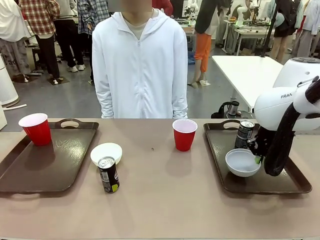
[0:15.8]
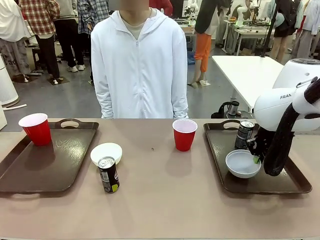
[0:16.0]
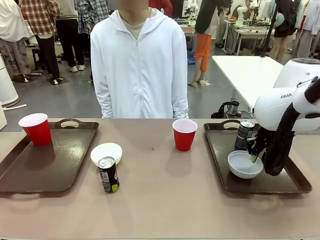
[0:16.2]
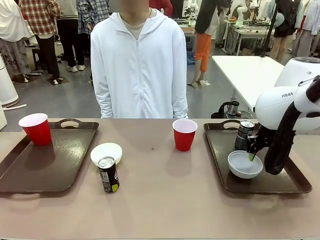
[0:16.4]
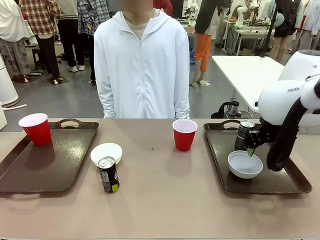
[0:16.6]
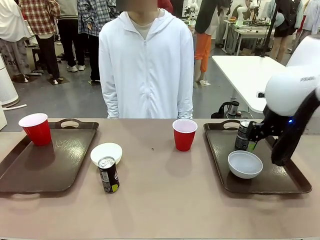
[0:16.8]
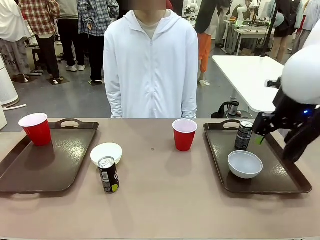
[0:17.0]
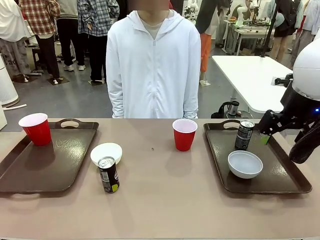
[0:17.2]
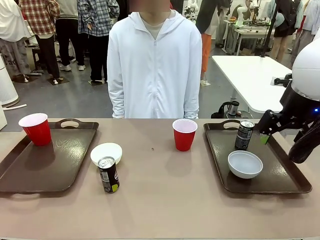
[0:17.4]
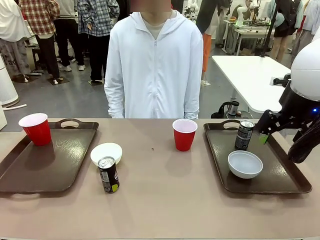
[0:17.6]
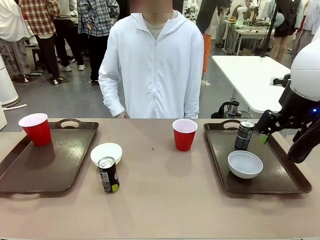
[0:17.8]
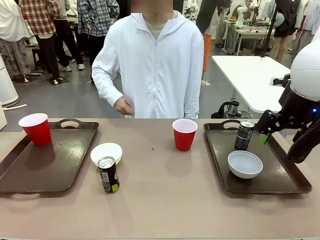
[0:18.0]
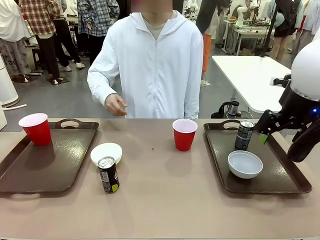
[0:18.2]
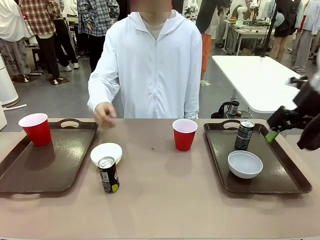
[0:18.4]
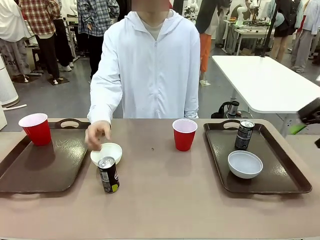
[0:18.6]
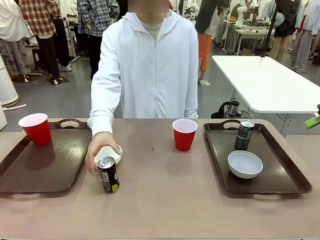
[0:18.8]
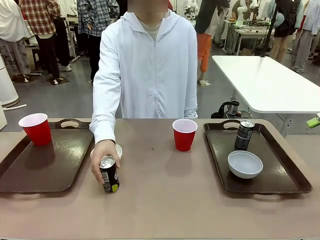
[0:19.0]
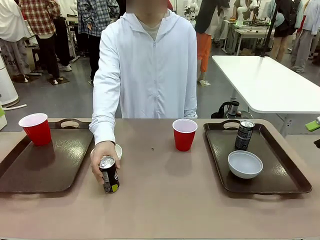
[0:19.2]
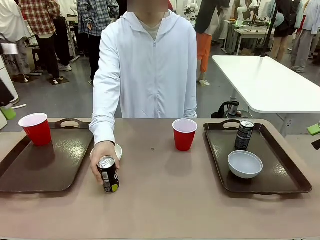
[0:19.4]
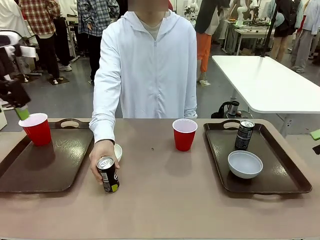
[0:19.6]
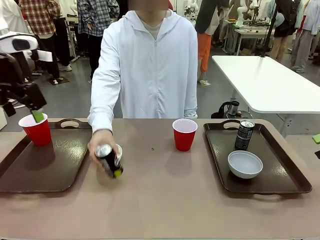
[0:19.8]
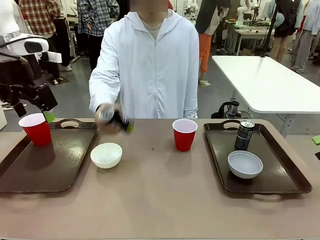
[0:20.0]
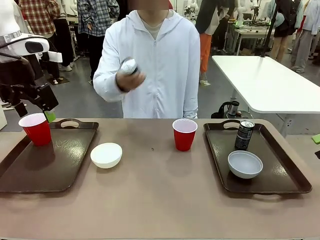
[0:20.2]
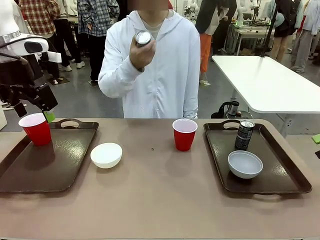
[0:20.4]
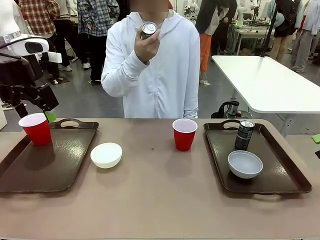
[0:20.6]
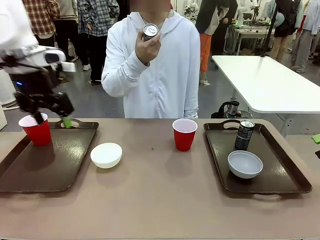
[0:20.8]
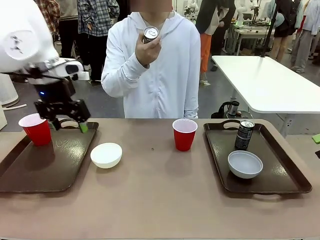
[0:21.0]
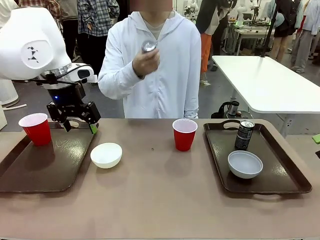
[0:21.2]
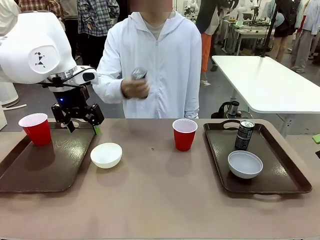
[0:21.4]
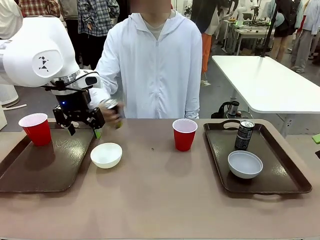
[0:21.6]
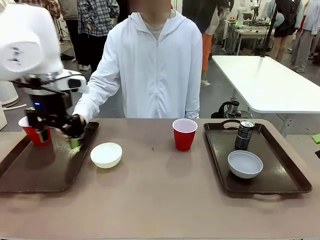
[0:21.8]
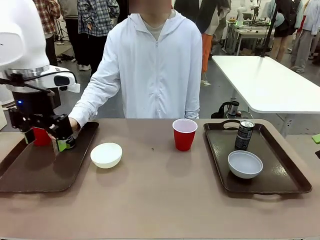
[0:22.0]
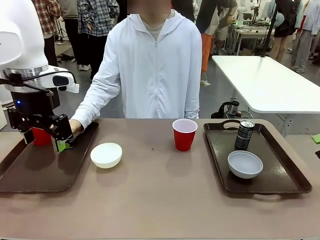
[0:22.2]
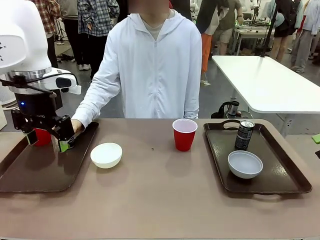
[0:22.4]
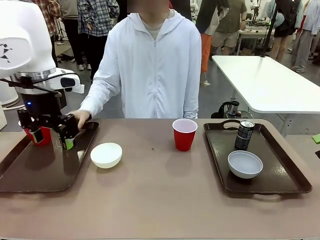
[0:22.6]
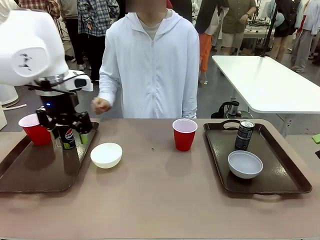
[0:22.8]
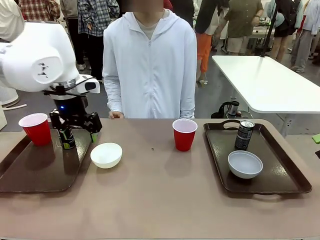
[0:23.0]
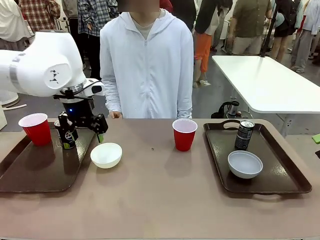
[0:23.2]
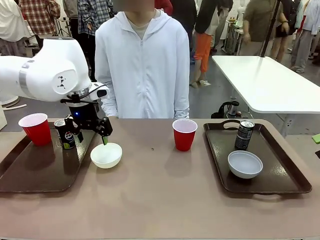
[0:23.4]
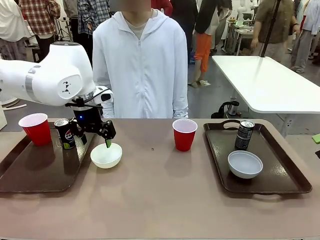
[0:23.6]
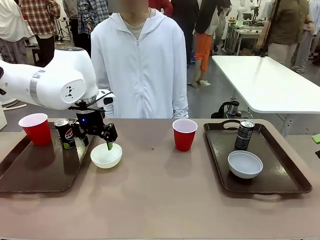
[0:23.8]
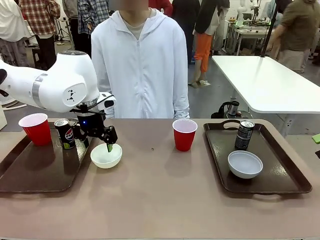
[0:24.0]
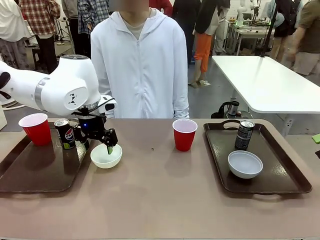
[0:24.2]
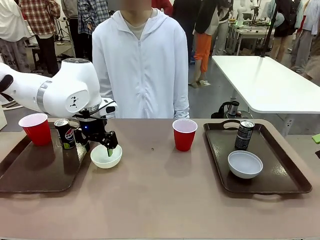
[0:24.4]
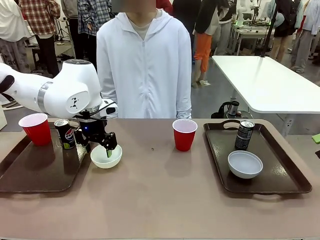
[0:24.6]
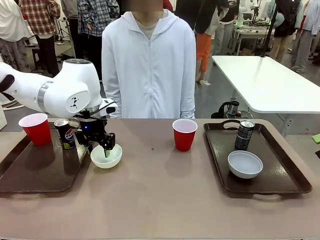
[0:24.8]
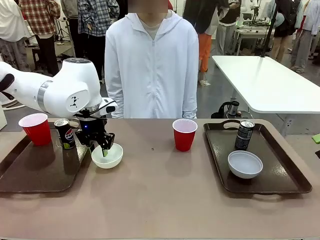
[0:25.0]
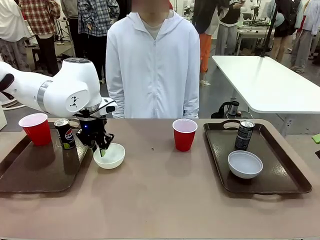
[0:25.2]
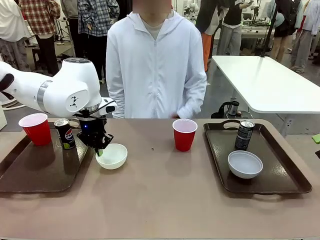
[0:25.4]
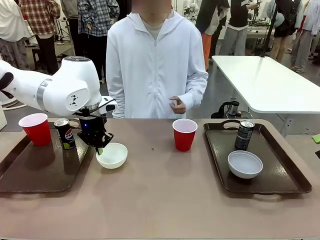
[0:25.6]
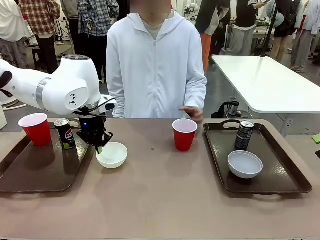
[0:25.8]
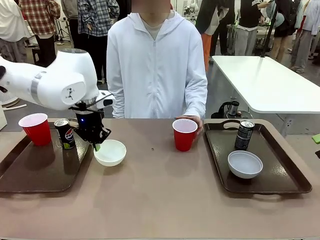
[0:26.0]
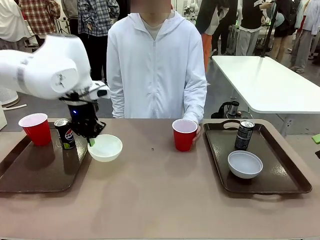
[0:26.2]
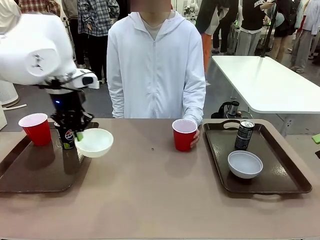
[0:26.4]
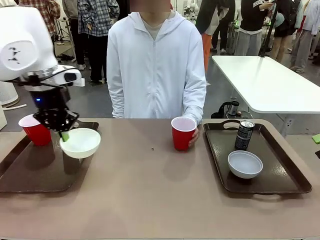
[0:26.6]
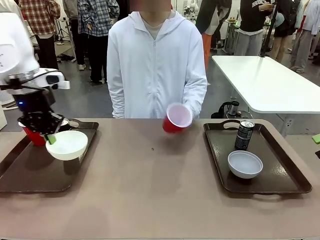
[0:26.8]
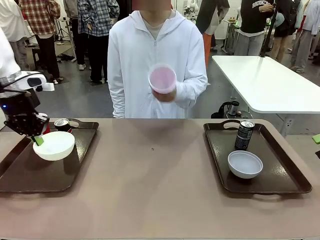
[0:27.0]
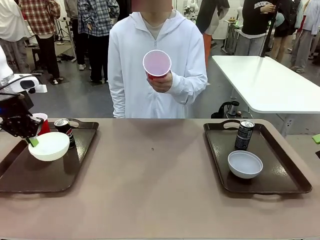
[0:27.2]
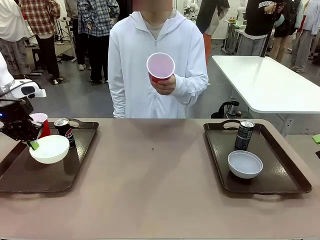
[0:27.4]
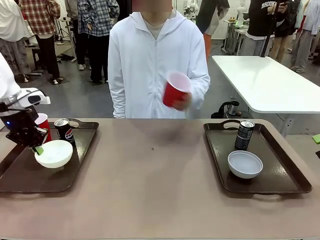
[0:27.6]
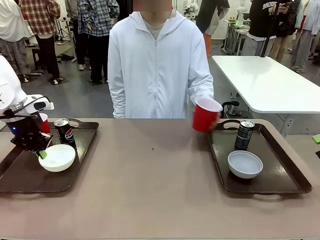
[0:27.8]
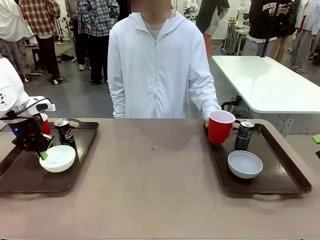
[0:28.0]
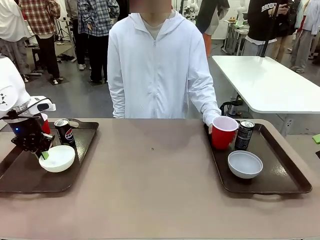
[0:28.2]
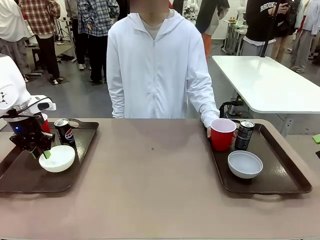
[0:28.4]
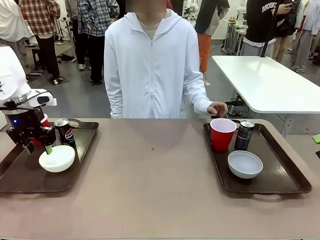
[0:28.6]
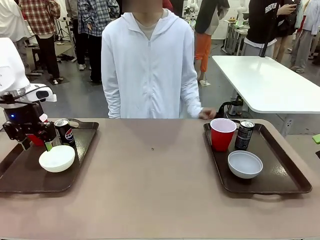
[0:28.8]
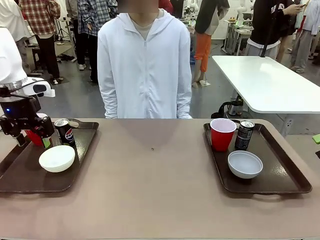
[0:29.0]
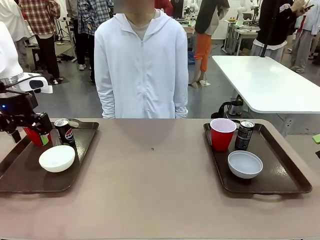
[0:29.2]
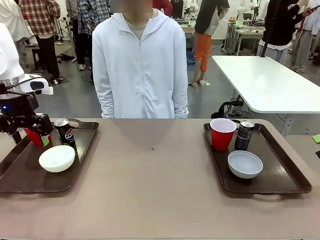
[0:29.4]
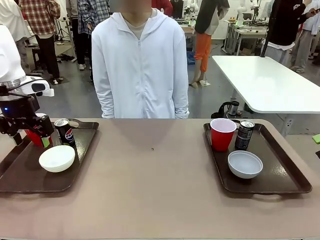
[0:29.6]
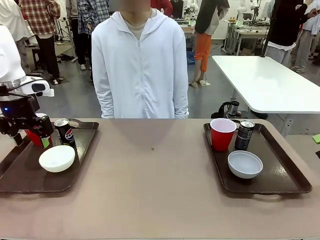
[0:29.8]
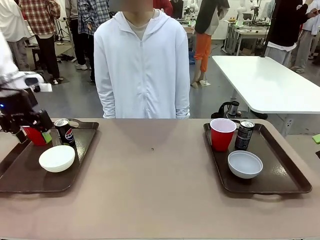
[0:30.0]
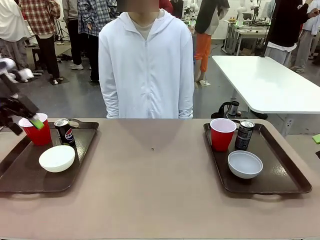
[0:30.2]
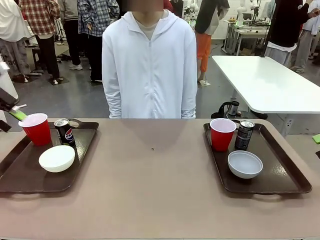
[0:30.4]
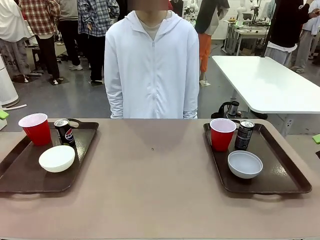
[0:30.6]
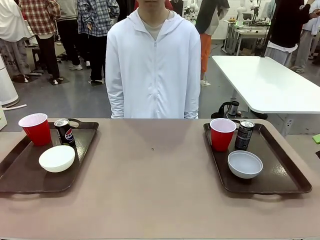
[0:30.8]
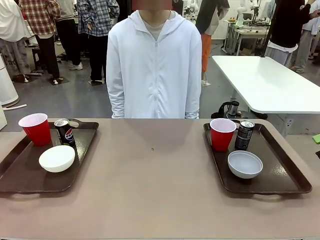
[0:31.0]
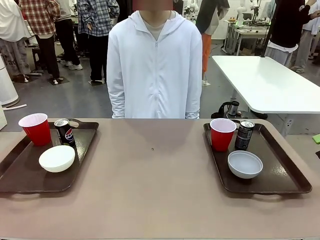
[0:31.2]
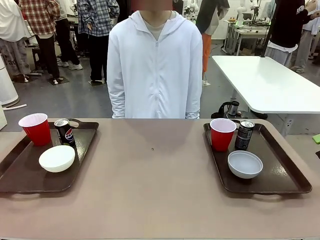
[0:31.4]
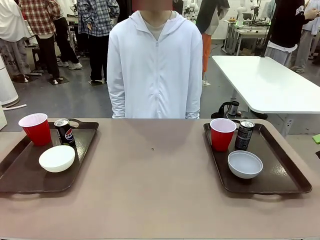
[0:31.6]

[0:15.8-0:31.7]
Task: Prepare tableware on both trays.
Robot: Pick up a Picnic Bowl from the table and place it on a Handle tray.
Person: Pick up a can or cup and place it on the tray without a can or cup.
